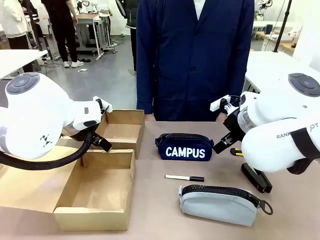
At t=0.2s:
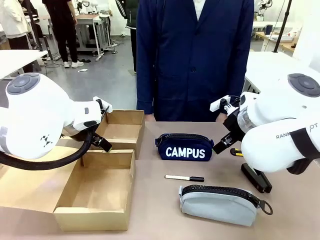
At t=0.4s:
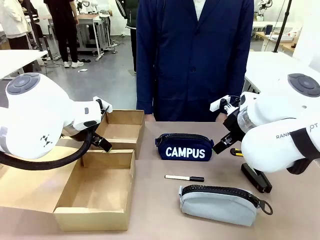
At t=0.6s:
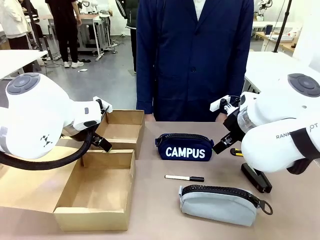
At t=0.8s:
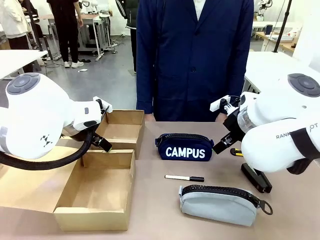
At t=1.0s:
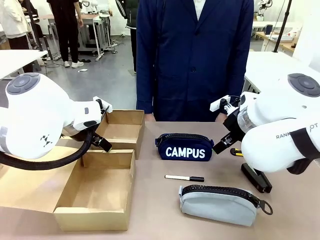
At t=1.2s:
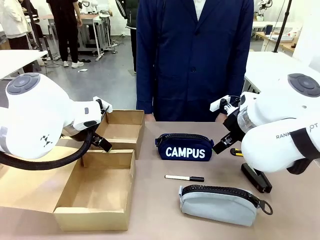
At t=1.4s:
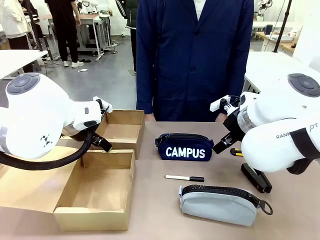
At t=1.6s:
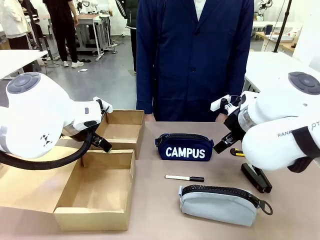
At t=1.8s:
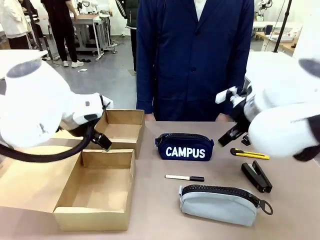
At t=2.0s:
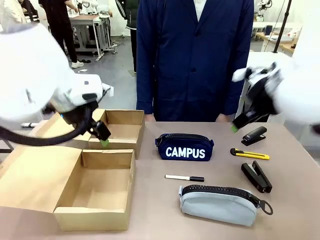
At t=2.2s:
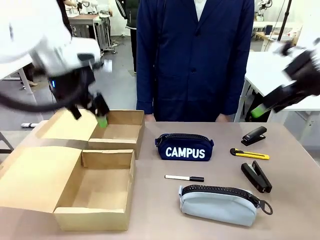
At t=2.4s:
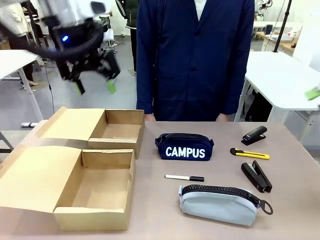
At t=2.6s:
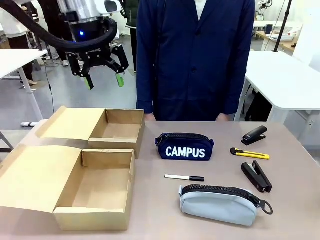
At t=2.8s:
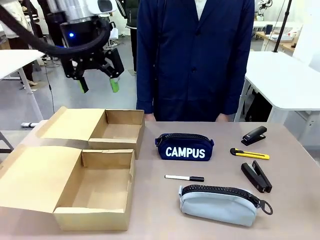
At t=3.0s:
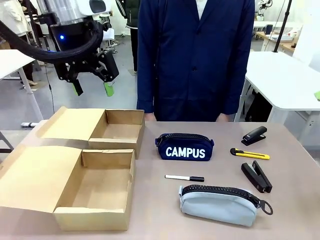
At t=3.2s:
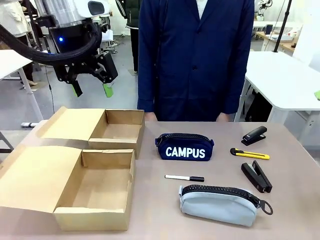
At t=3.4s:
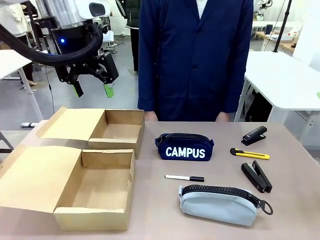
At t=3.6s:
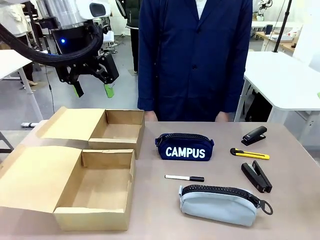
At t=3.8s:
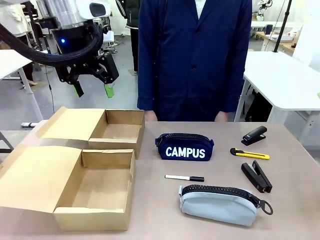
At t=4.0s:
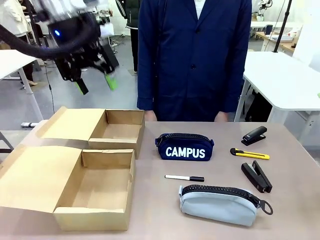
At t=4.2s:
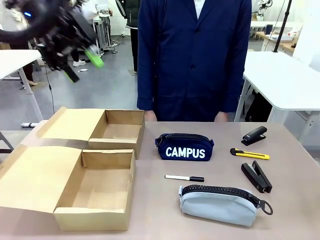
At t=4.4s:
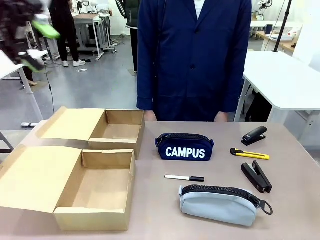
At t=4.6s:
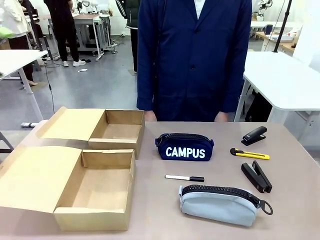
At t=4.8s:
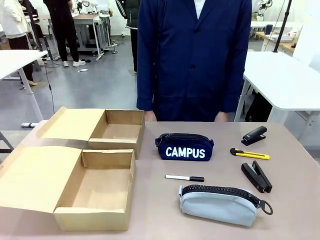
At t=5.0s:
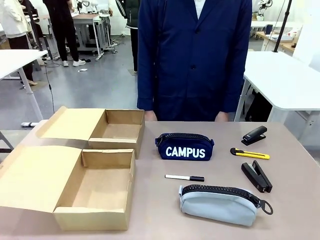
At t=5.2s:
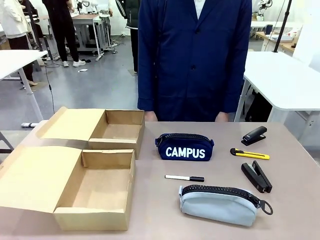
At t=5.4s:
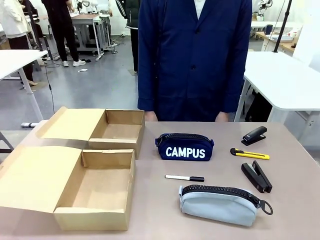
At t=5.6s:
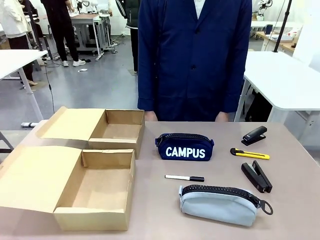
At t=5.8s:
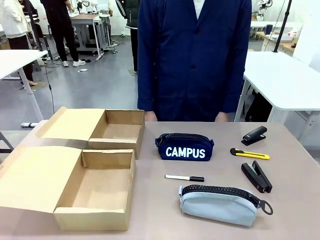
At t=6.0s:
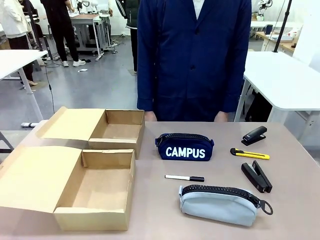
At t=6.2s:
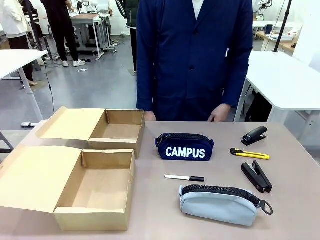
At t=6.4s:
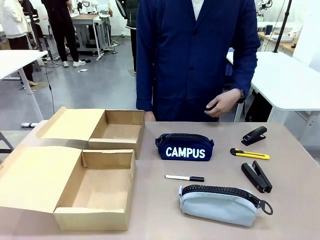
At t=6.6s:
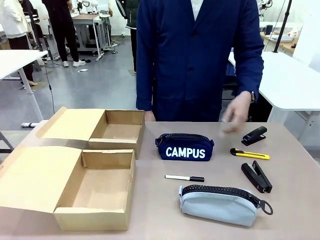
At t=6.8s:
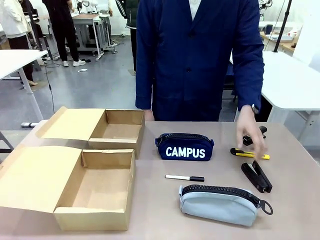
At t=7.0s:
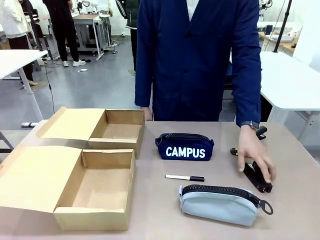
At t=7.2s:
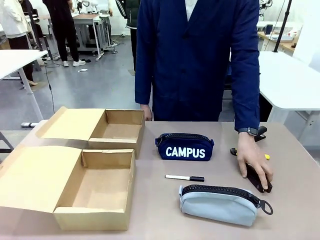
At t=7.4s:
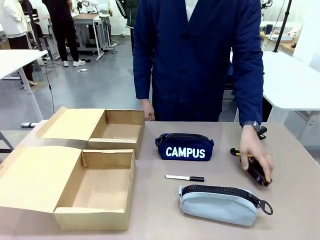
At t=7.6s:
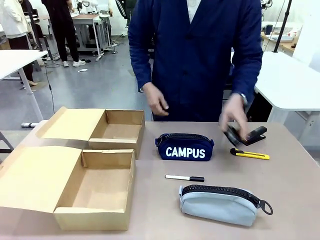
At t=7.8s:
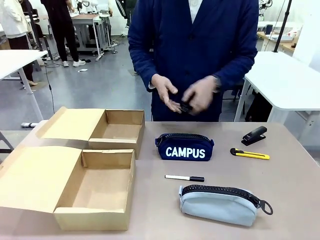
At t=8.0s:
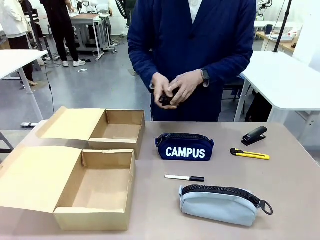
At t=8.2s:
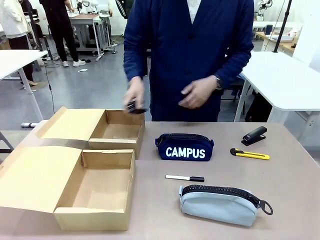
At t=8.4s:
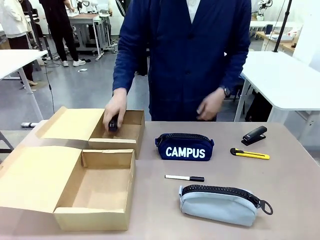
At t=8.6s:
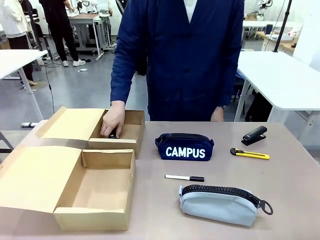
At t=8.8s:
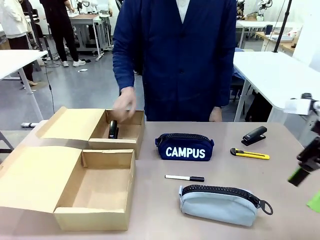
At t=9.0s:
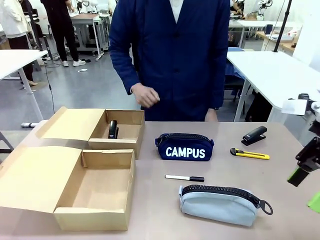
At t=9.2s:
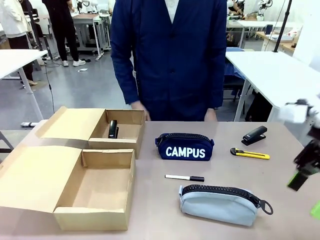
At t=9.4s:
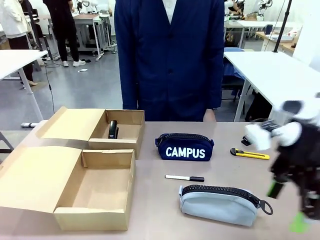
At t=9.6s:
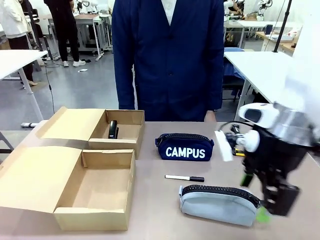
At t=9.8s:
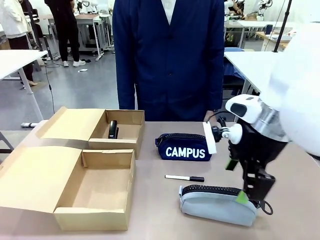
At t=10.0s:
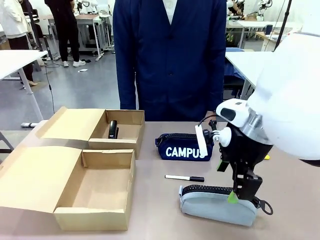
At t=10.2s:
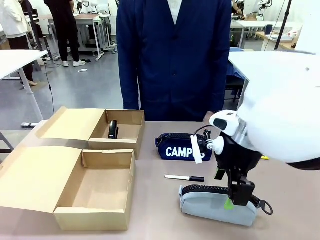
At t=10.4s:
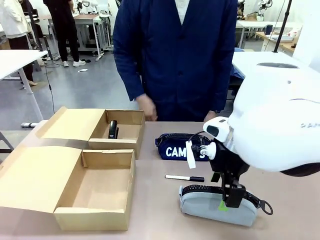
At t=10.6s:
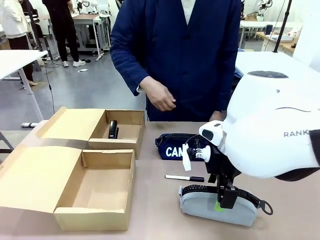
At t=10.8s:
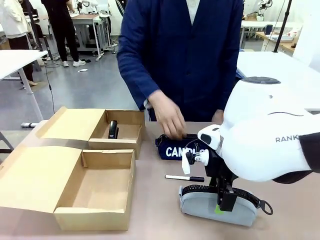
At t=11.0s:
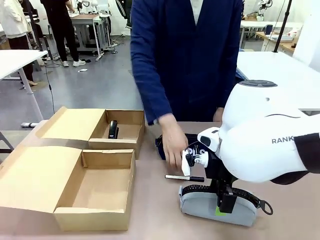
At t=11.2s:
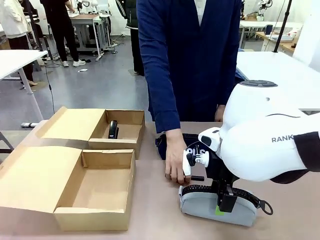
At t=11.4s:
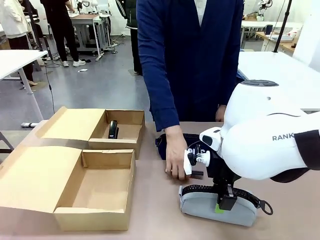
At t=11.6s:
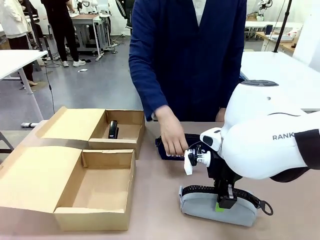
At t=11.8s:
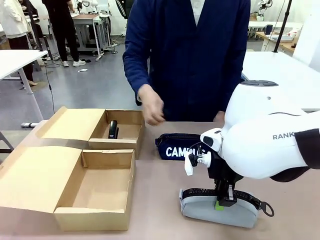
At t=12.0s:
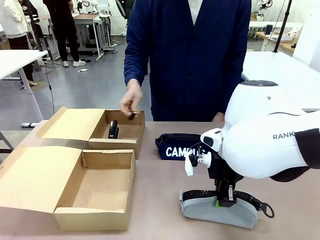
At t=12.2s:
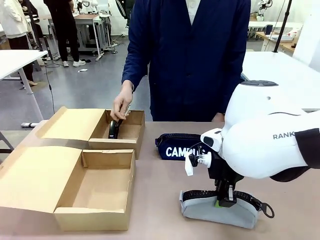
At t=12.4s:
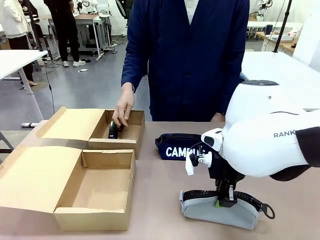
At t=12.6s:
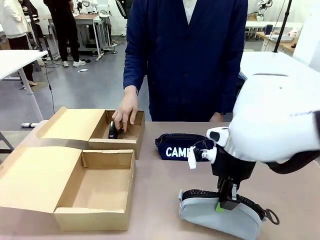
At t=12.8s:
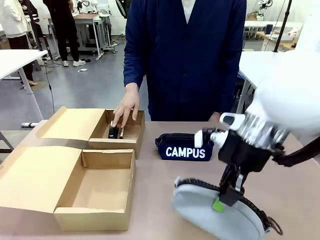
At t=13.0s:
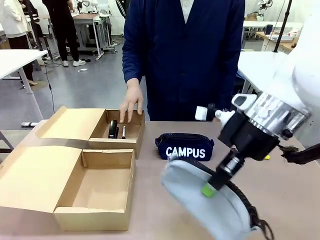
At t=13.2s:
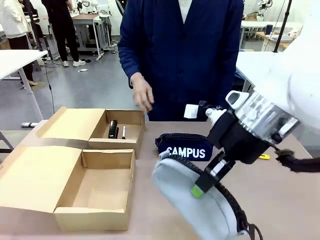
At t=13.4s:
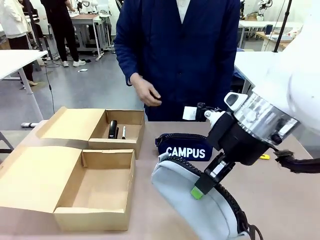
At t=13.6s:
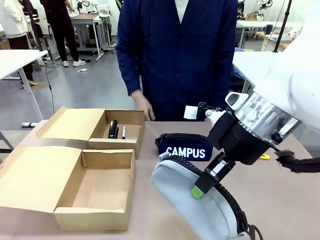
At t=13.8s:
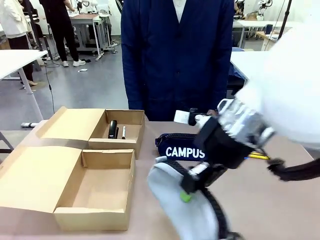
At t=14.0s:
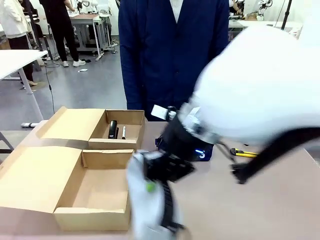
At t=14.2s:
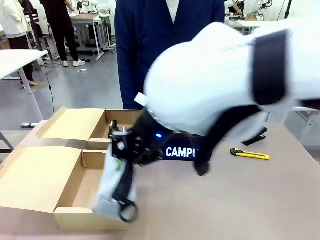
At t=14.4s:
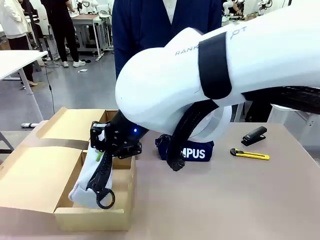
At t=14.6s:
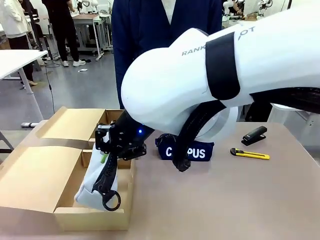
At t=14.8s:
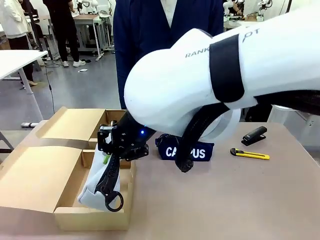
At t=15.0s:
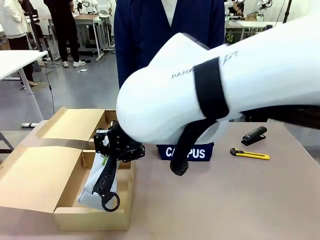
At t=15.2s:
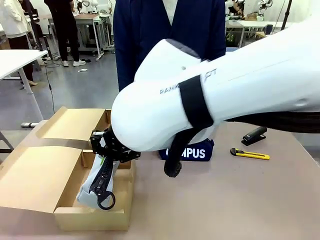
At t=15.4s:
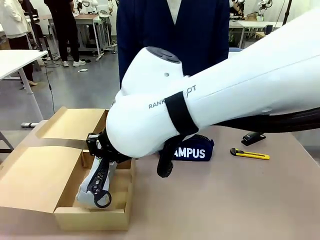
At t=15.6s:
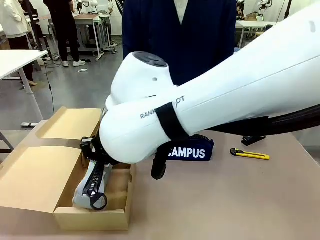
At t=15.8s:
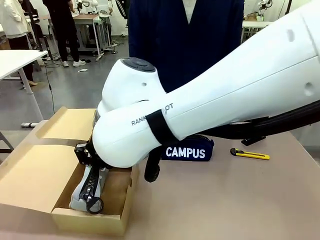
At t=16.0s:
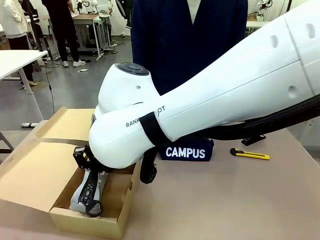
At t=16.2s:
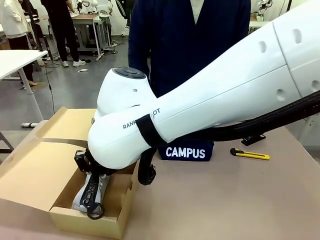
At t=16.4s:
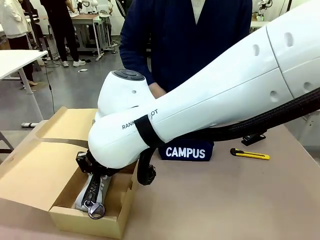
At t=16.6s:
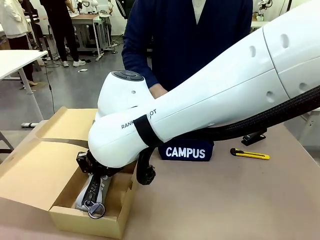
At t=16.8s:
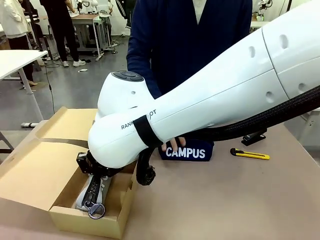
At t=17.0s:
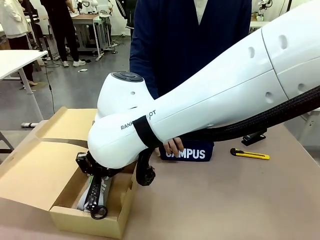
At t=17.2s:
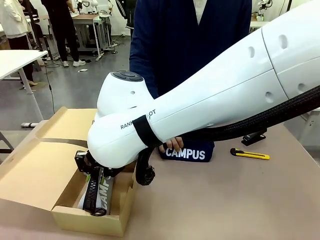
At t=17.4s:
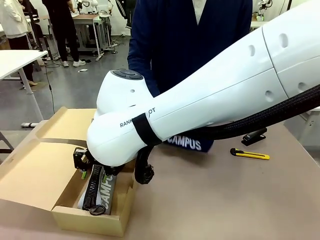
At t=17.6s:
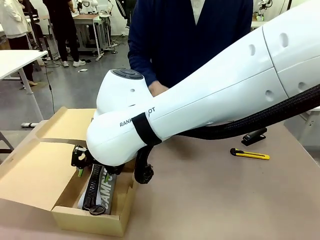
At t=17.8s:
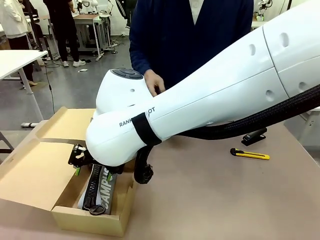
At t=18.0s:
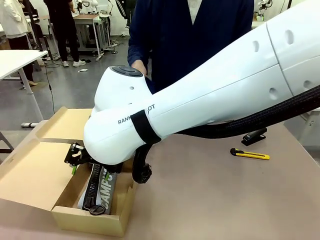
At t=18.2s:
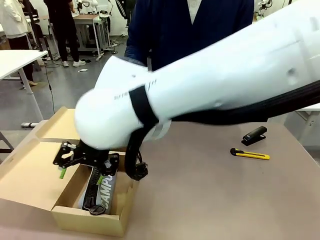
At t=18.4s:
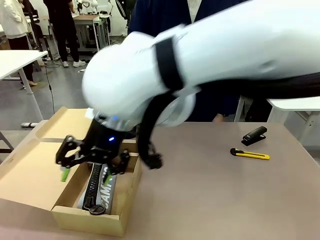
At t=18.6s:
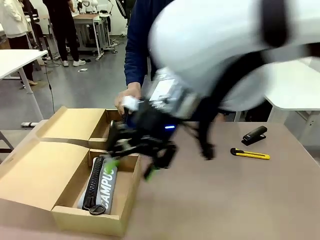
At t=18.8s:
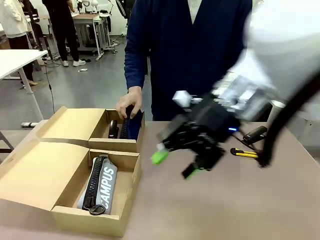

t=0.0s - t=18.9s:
Task: Place items inside the box.
Robot: Pick up a Pencil pouch or Stapler and place it inside the Mailer Box closest to the robot.
Person: Pick up an object on the table and put it in the box.
